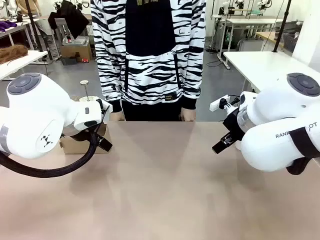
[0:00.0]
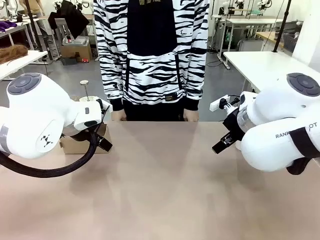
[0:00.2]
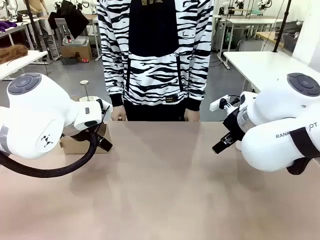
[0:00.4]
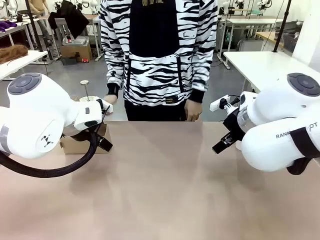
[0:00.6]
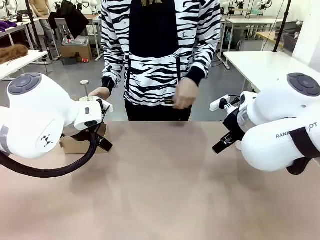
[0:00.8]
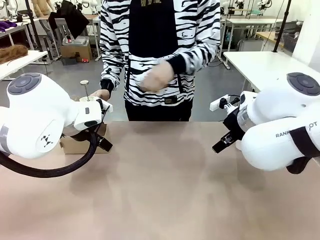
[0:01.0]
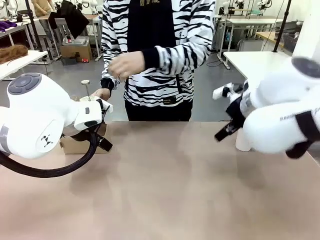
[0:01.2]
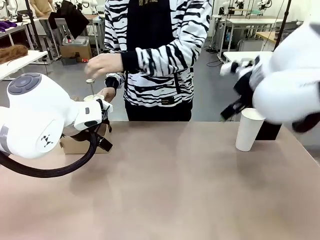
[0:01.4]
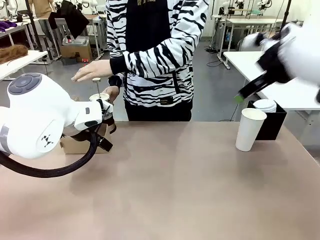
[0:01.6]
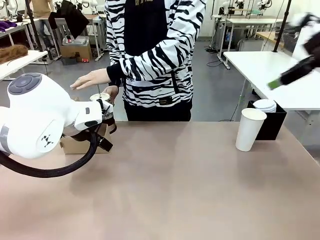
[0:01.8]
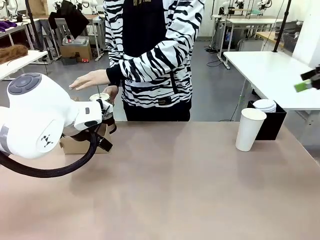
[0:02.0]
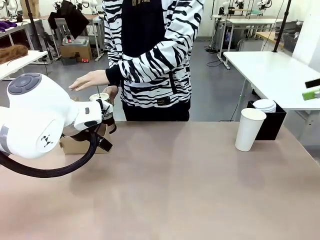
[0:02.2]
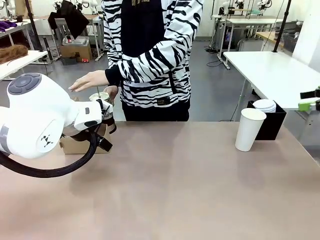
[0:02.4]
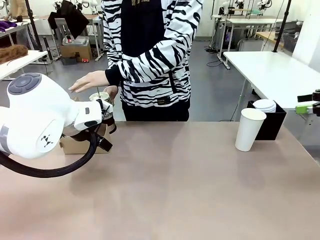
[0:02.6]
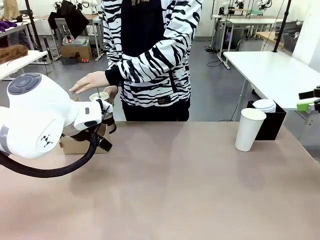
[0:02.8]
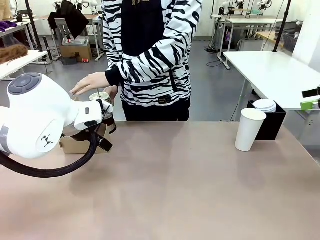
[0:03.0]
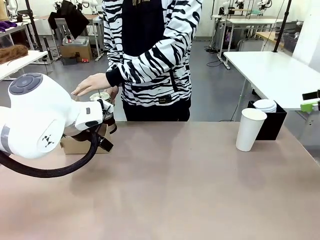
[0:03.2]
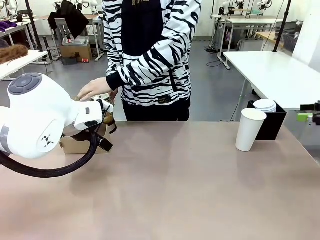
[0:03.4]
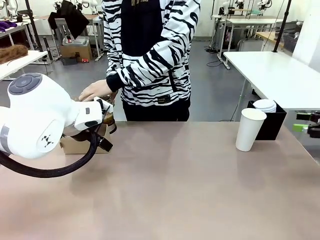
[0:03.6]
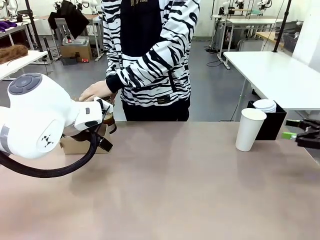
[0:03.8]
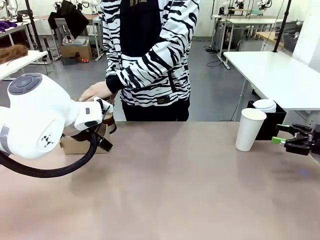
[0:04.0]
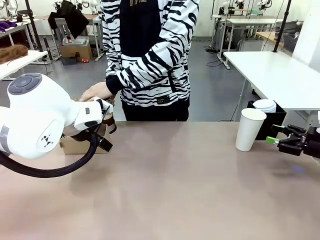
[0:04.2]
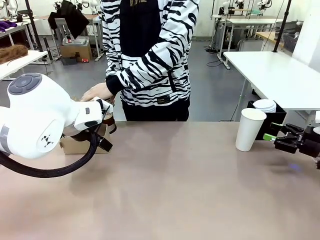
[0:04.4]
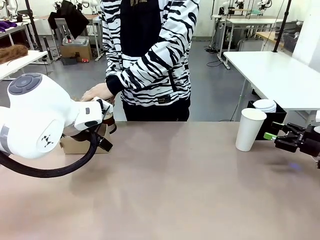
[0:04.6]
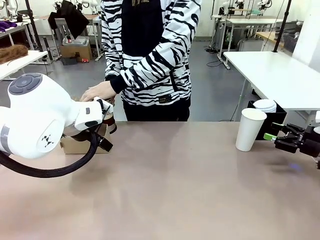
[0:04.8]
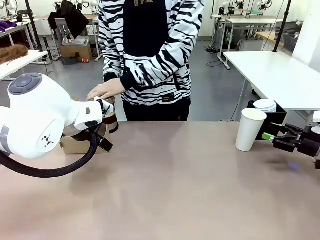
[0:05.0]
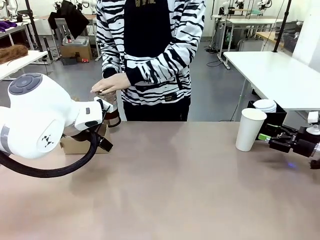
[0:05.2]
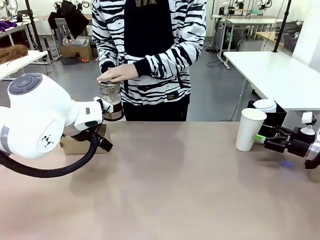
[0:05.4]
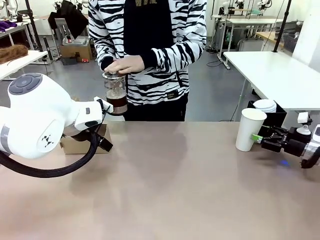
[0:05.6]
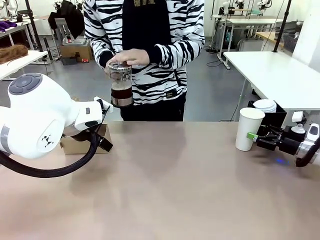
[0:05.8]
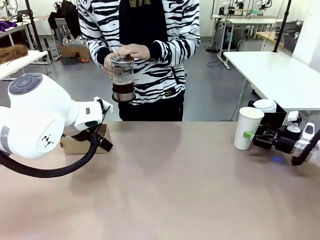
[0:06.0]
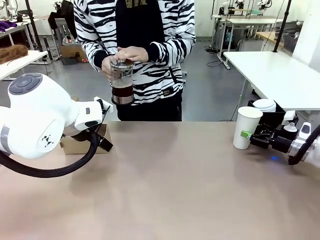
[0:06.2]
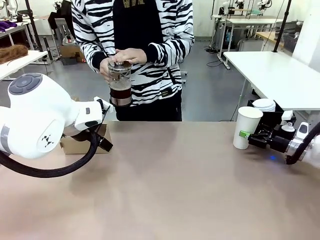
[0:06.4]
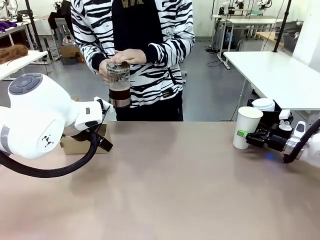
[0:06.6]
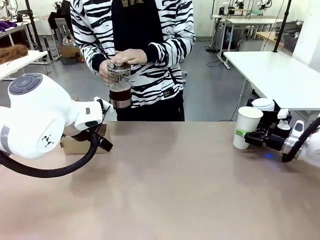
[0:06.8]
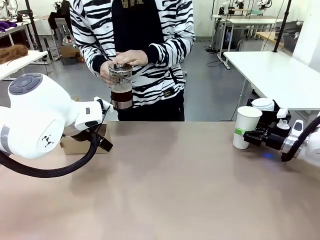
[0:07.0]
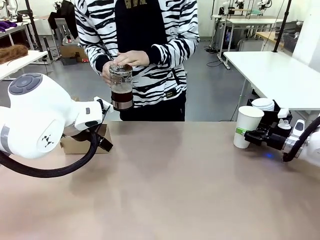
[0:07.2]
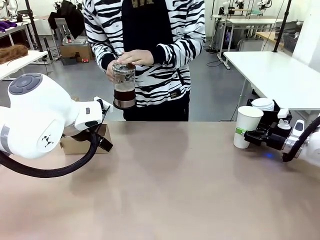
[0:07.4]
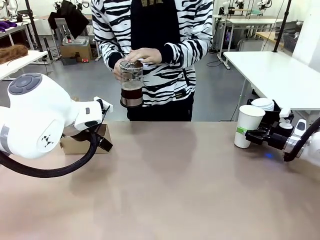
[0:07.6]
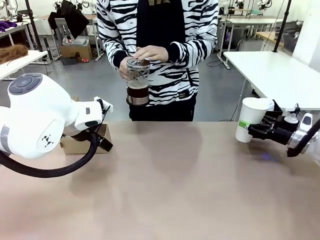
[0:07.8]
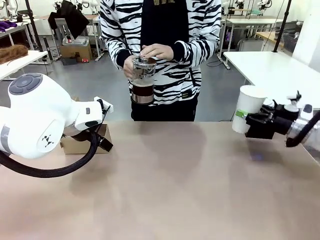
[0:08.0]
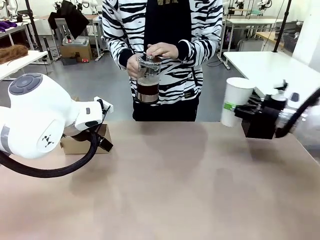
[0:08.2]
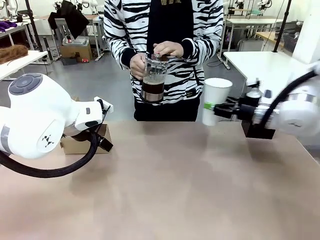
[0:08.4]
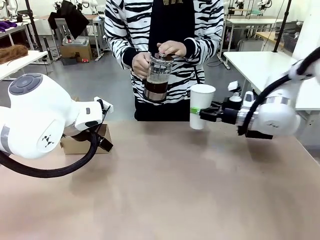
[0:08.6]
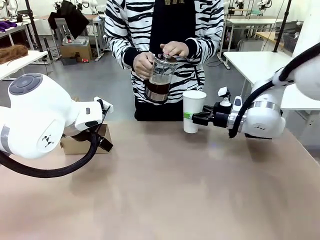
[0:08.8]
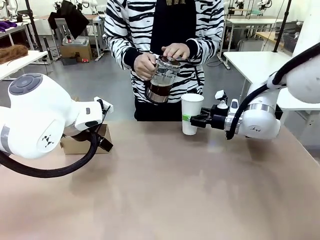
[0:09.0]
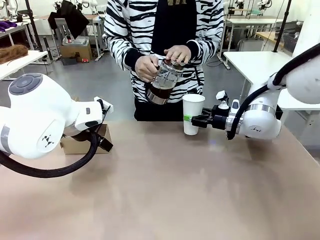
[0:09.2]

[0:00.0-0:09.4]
Task: Pour a drink into a cup and package it in a carrier.
Robot: Pick up the 600 ml Paper Cup and place it in the middle top area of the table.
Person: Press and pick up the Filter Brewing.

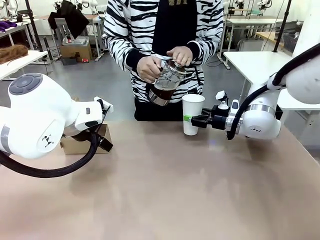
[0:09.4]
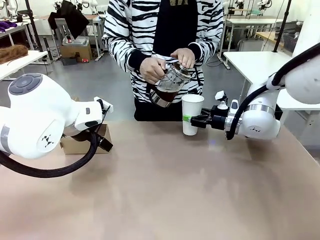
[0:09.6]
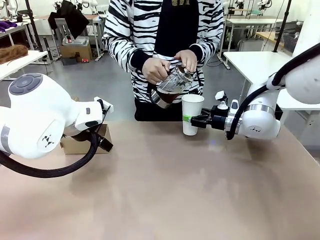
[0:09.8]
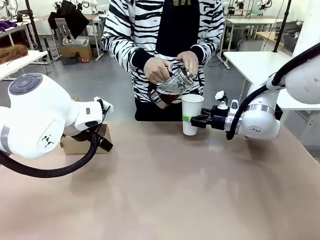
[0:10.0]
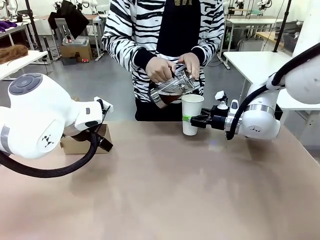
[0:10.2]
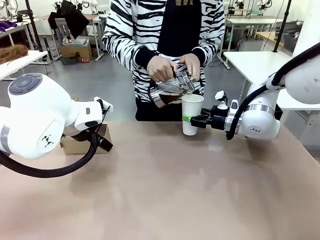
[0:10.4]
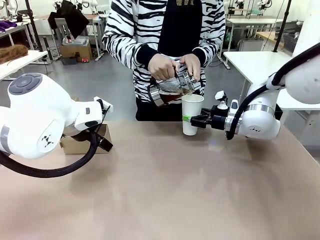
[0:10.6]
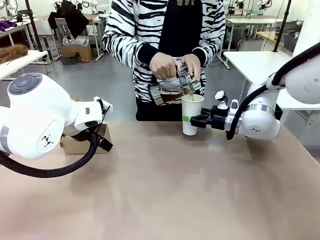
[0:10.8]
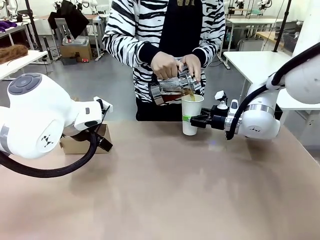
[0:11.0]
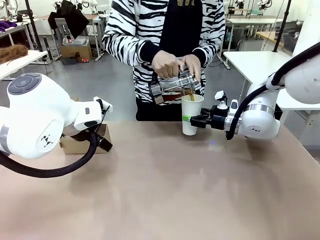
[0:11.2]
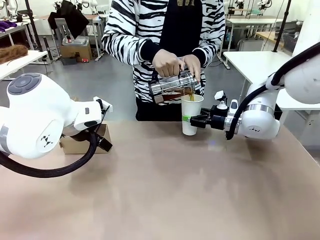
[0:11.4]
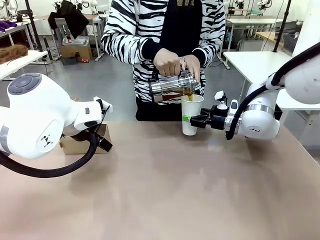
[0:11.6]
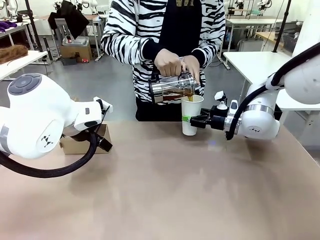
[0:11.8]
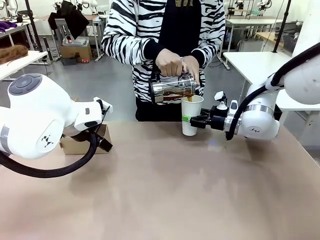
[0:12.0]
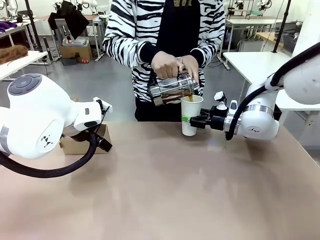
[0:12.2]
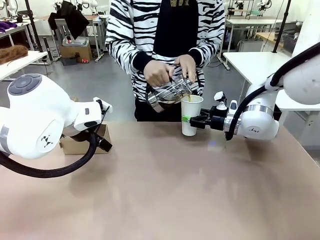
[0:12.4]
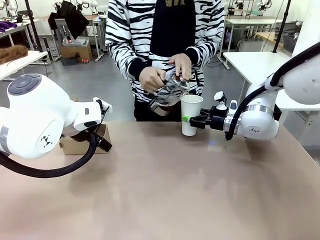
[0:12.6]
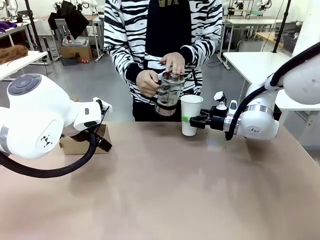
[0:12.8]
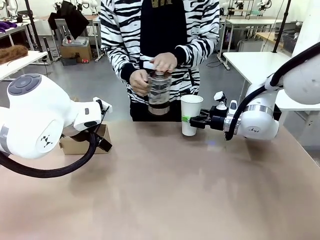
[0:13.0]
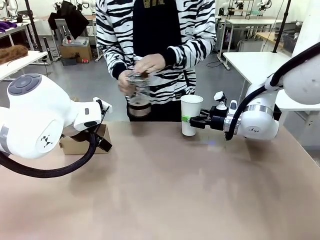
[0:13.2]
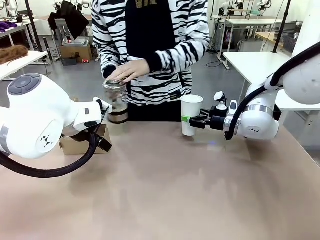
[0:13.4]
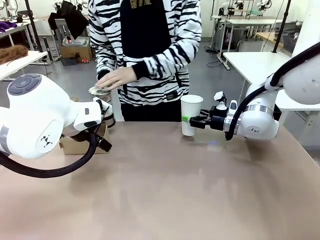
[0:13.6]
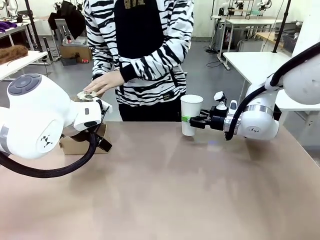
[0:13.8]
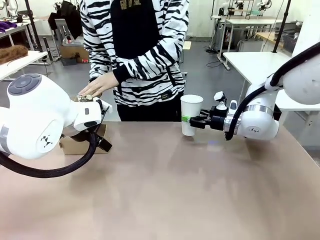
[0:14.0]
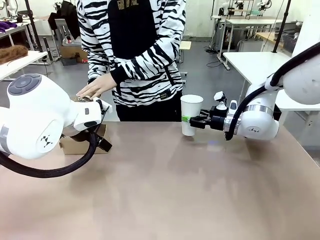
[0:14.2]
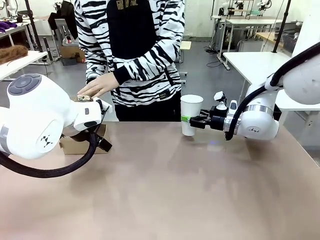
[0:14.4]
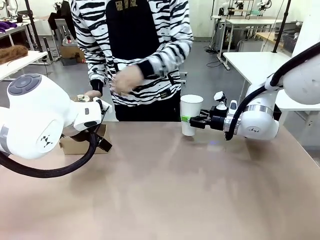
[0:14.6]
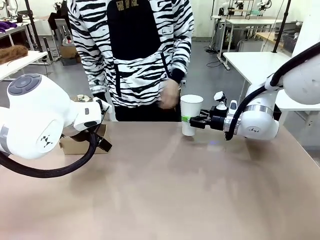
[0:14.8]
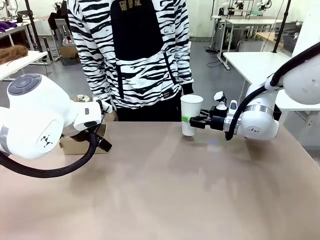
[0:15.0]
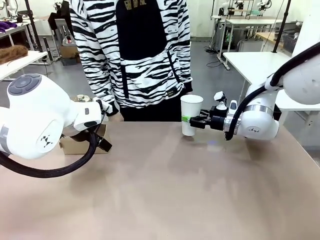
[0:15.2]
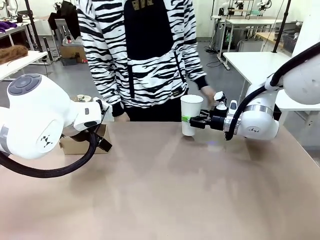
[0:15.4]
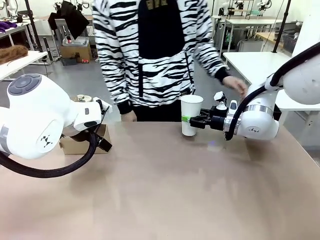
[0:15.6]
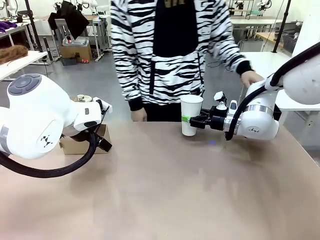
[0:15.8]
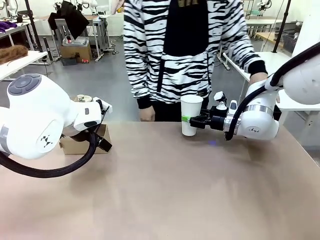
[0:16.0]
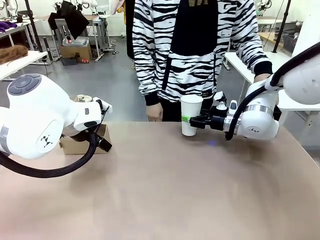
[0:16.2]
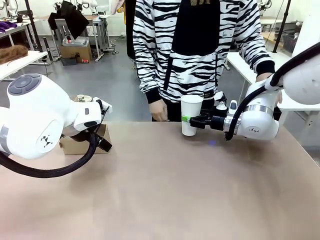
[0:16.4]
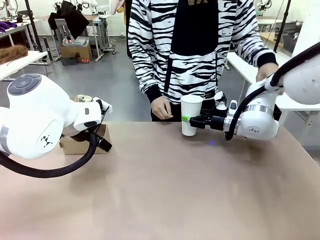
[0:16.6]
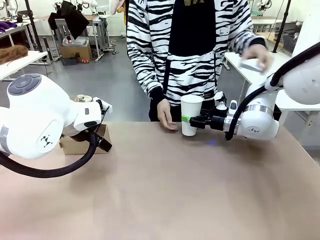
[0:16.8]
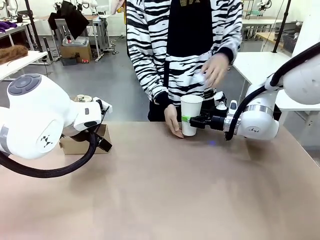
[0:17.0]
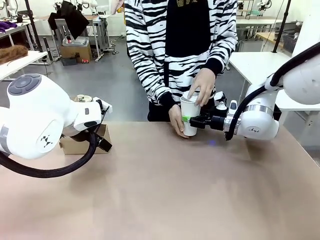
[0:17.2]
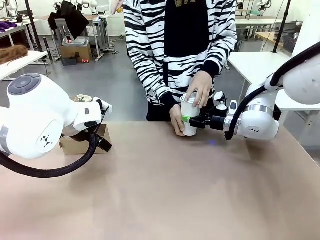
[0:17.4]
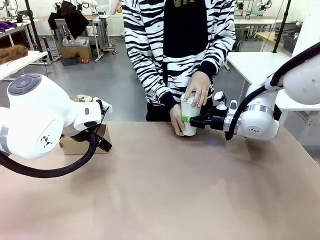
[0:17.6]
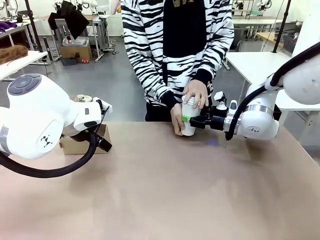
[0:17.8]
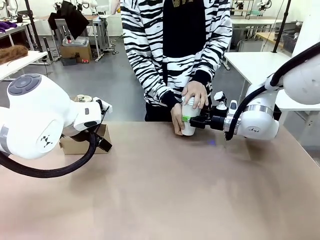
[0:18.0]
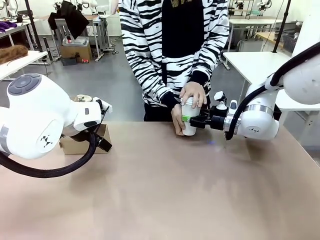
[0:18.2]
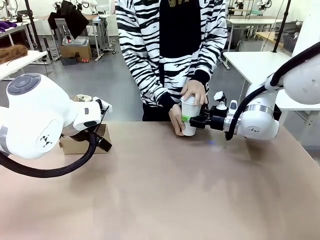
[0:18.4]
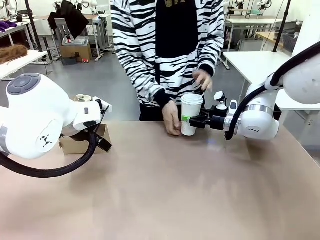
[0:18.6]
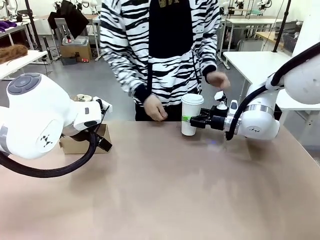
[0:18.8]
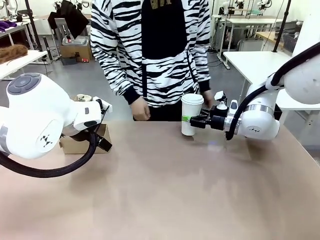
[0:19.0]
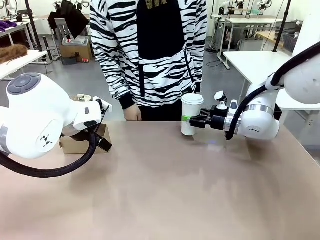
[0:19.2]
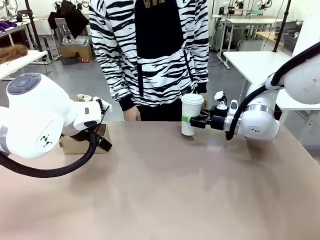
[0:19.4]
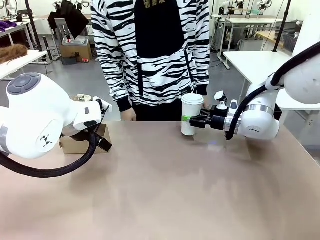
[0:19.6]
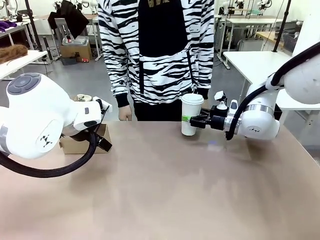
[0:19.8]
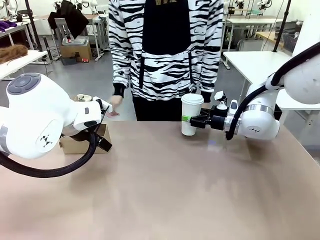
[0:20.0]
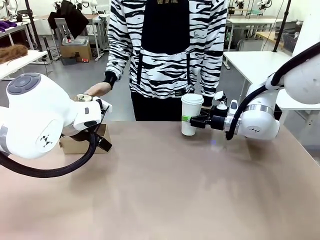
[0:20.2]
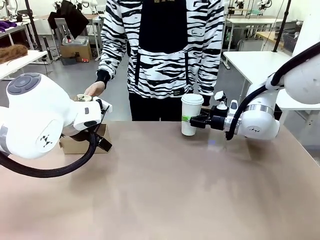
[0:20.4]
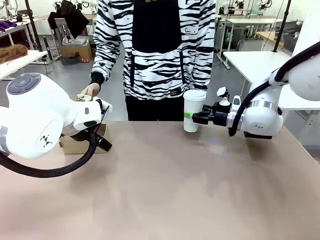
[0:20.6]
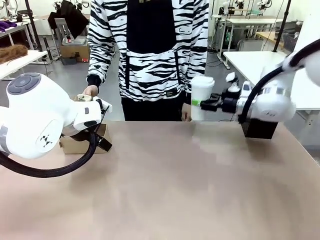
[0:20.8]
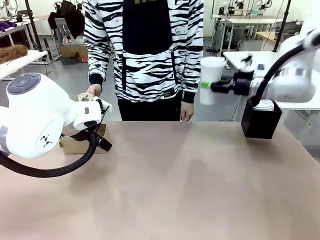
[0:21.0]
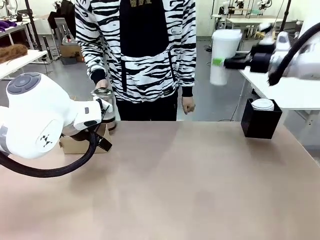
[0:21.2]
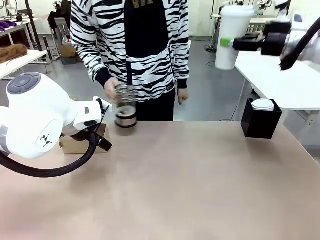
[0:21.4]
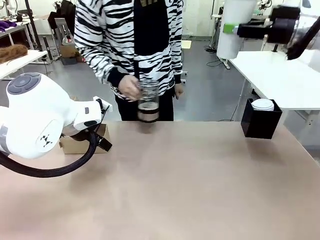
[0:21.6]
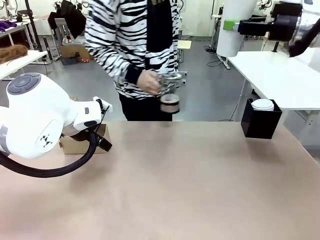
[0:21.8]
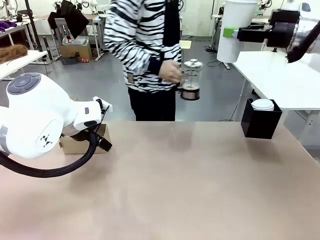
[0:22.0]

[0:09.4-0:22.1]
Robot: When a person places the Paper Cup Lid on the 600 ml Paper Cup , lift the 600 ml Paper Cup.
Person: Pour the drink from the Filter Brewing into the 600 ml Paper Cup. Place a Paper Cup Lid on the 600 ml Paper Cup.
